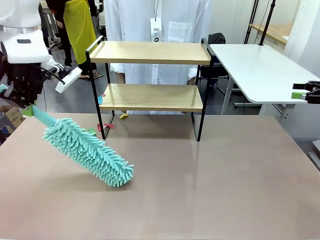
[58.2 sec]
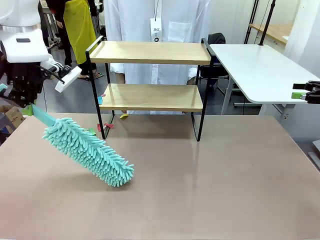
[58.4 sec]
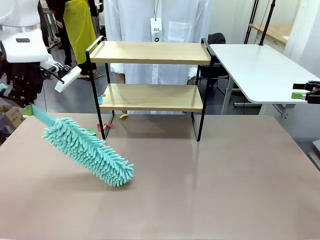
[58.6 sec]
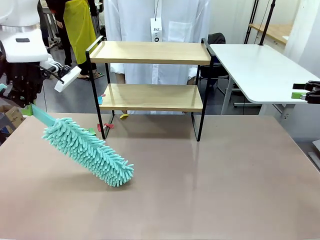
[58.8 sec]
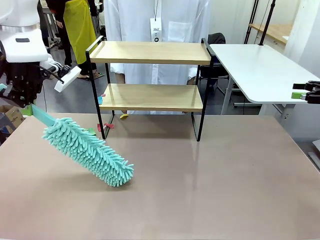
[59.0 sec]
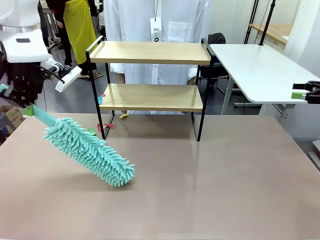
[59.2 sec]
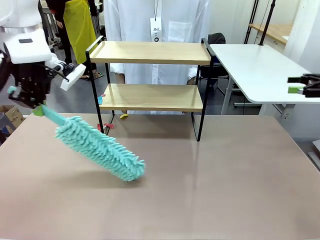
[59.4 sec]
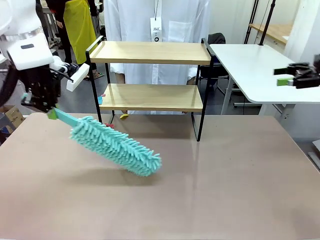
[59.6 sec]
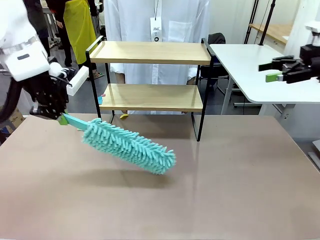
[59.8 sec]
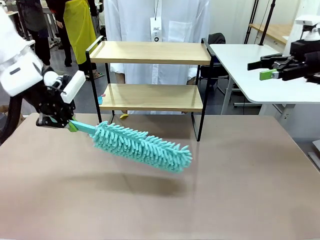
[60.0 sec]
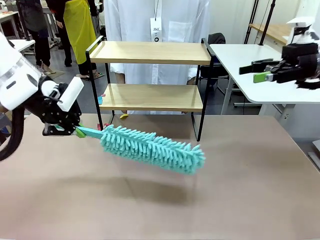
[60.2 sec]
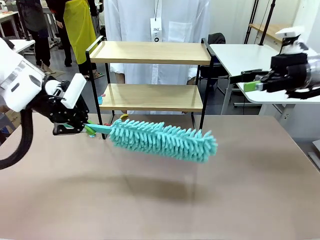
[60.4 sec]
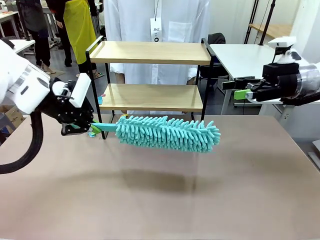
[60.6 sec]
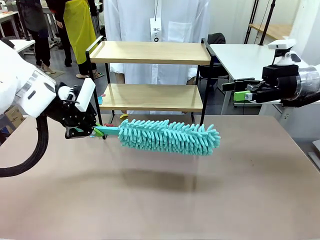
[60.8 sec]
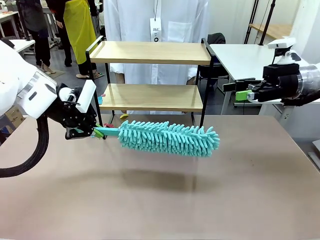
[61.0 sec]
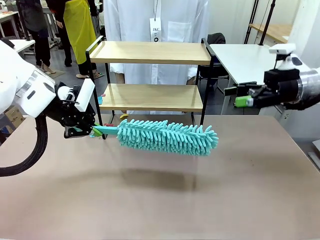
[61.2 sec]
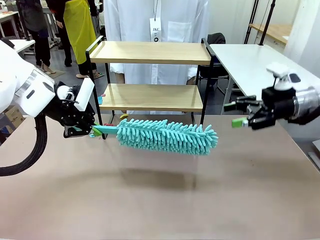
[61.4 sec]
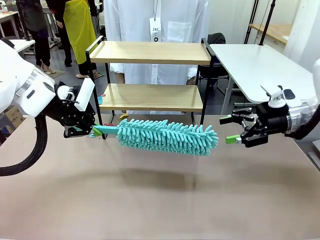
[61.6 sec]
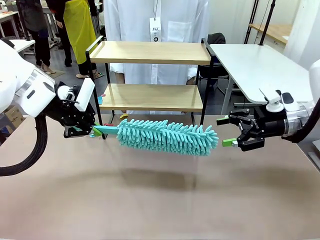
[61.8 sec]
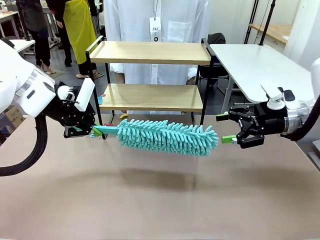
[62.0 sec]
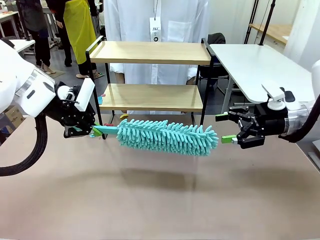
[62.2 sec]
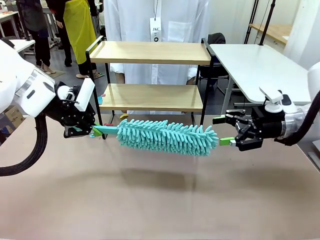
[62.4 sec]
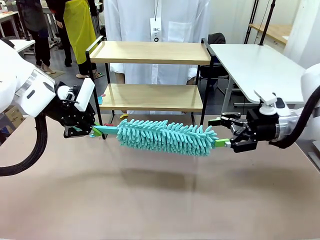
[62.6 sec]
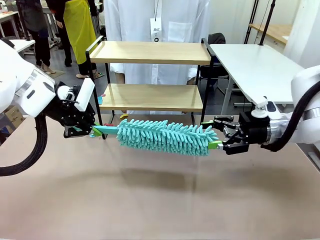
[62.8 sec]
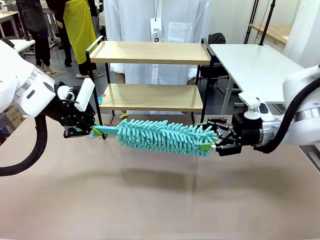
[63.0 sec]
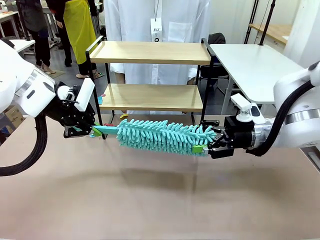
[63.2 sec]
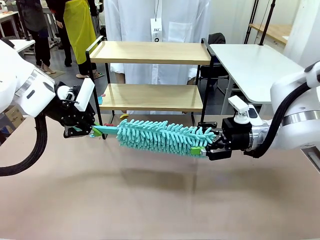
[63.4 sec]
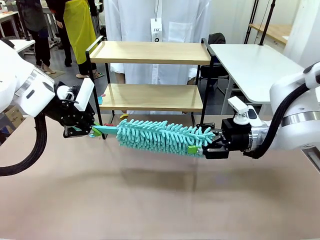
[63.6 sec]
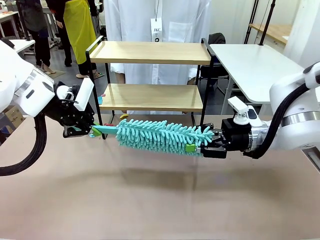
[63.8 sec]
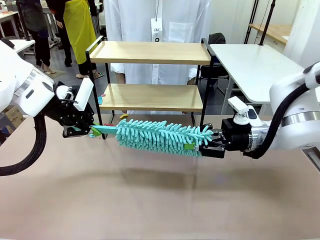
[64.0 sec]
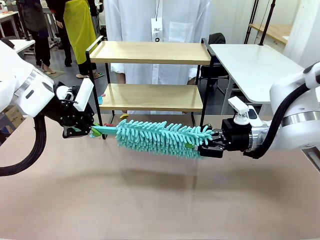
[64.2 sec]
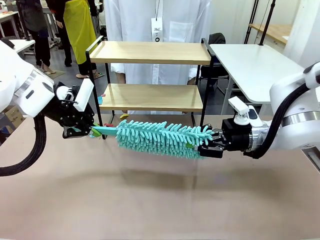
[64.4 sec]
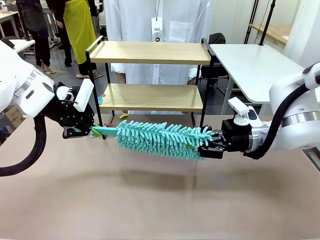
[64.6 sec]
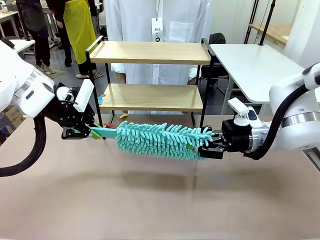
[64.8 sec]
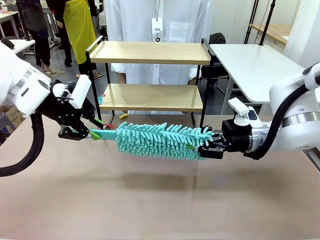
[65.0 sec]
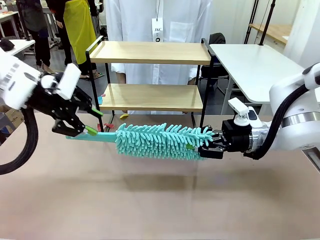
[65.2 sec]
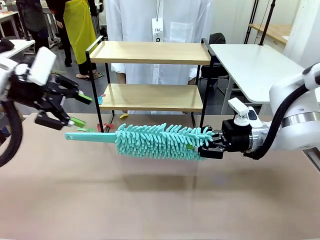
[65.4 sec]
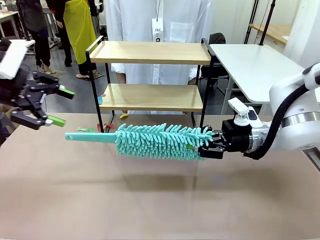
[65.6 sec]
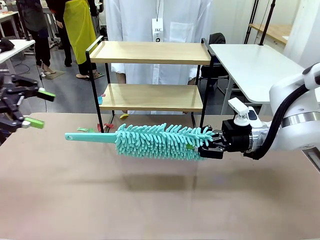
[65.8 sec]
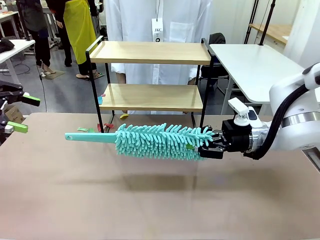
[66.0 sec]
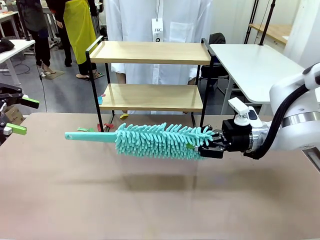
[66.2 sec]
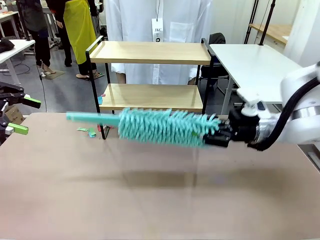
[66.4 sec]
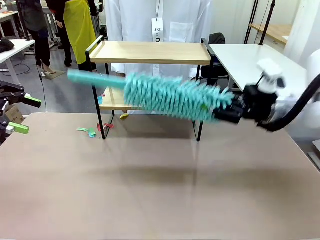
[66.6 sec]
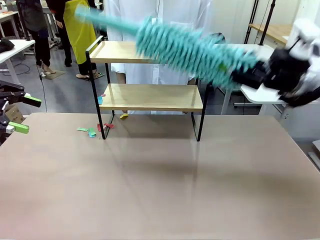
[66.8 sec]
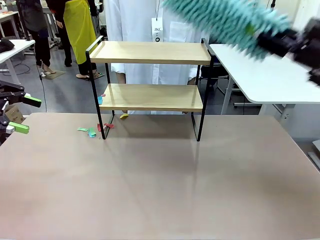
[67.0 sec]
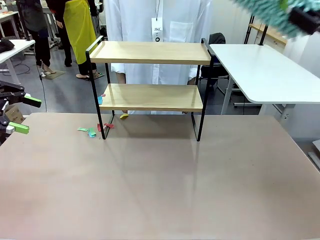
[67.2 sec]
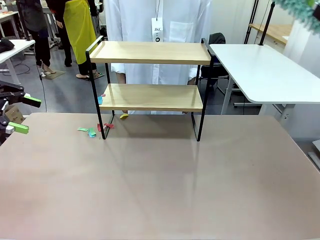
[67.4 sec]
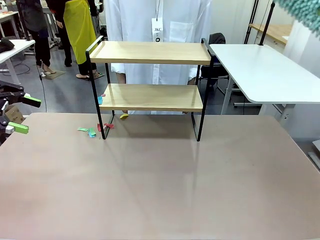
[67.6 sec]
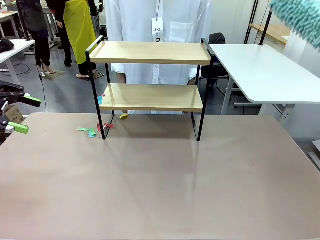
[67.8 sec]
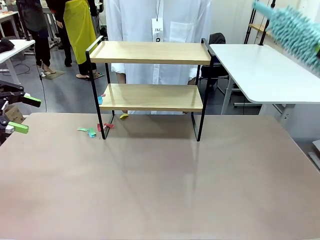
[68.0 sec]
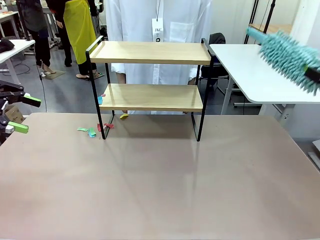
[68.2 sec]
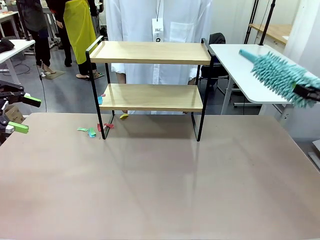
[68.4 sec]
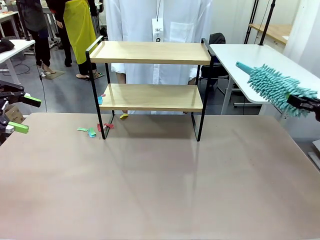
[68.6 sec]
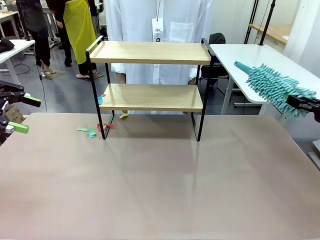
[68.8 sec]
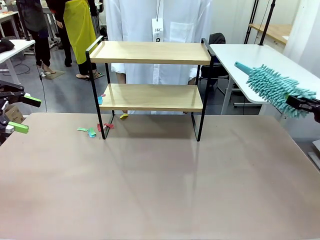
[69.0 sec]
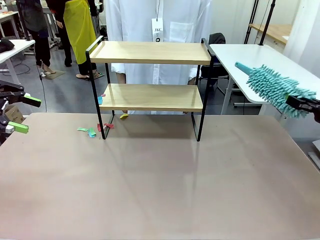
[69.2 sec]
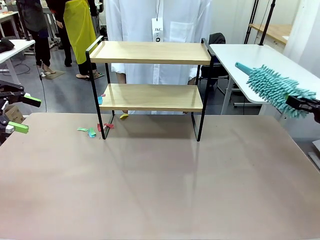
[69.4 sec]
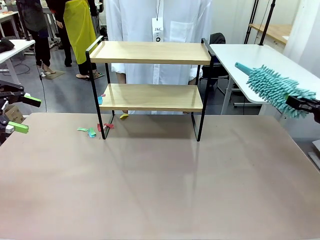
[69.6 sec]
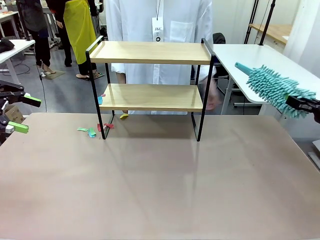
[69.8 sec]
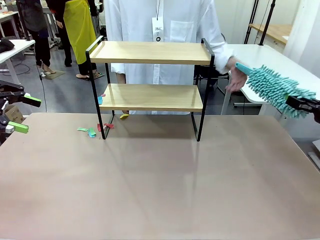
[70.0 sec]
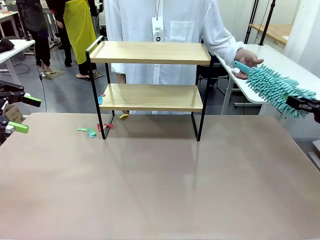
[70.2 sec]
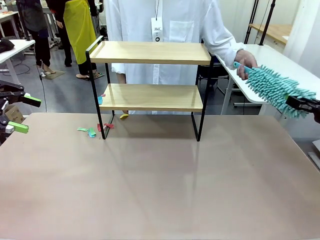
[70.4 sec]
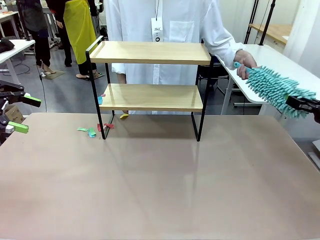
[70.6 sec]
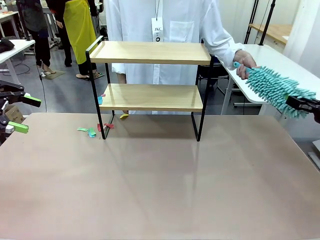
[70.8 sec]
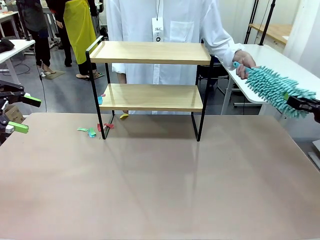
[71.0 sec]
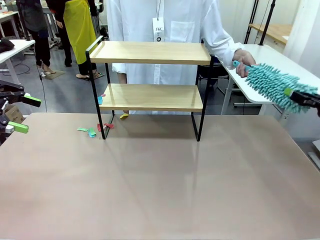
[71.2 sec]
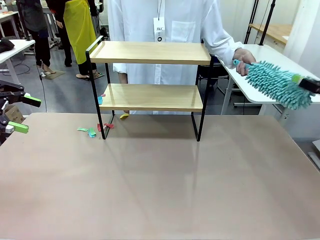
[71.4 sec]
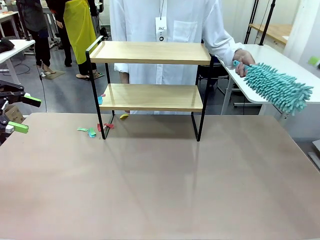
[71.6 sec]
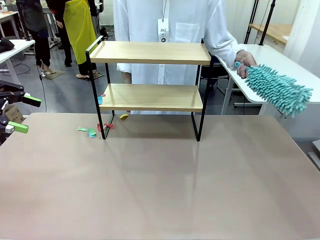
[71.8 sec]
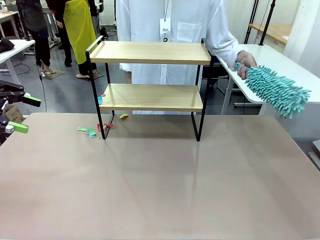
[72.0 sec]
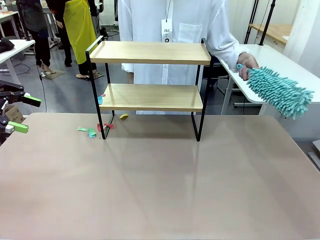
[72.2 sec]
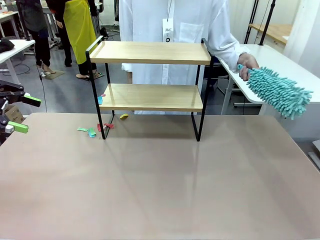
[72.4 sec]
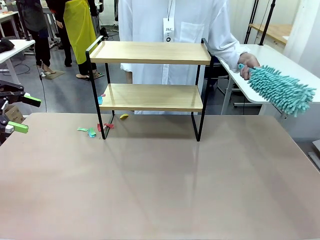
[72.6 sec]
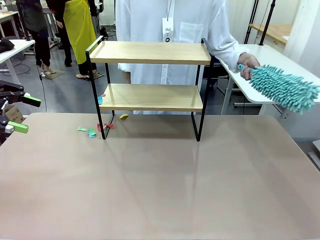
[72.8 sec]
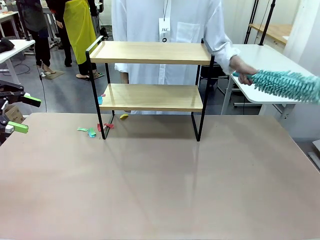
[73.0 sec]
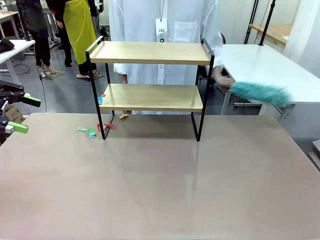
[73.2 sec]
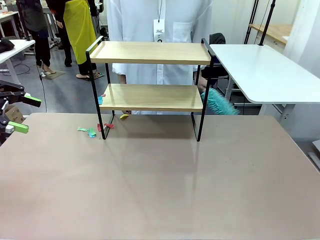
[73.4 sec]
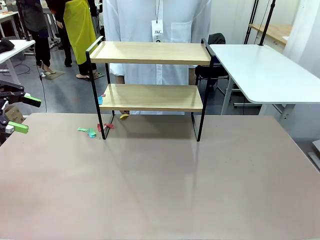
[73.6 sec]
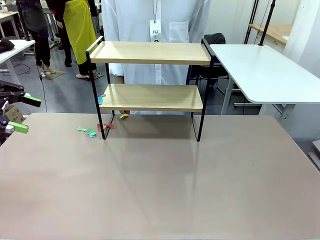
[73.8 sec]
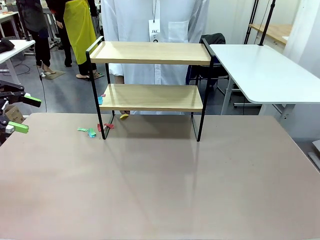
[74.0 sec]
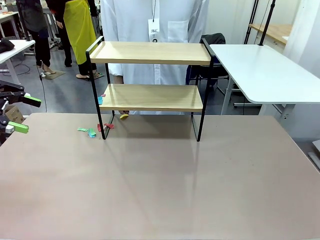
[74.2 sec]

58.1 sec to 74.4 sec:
Task: Clean the shelf.
Robot: Hand the Duster back to the human.
Person: Receive the Duster from the robot.
